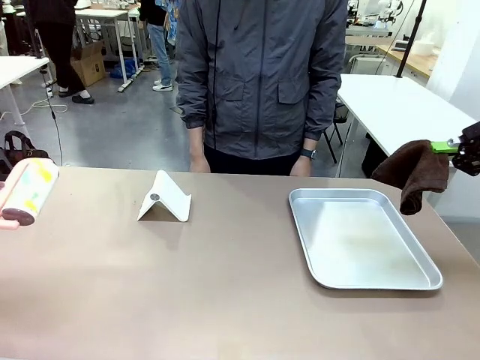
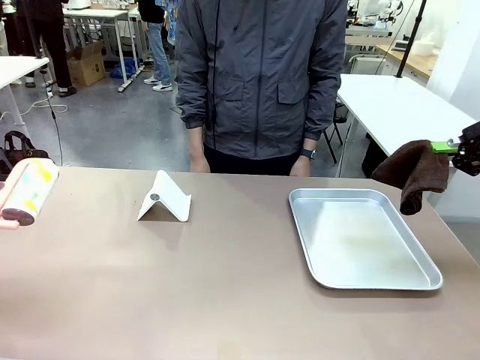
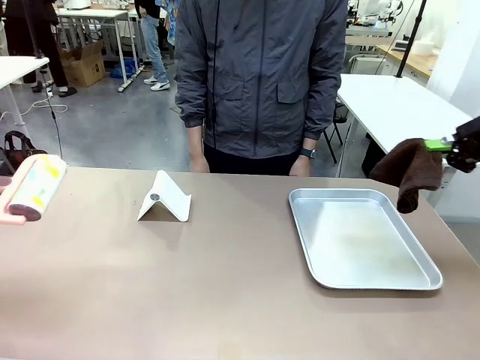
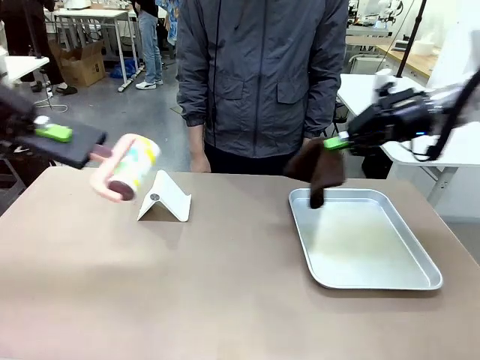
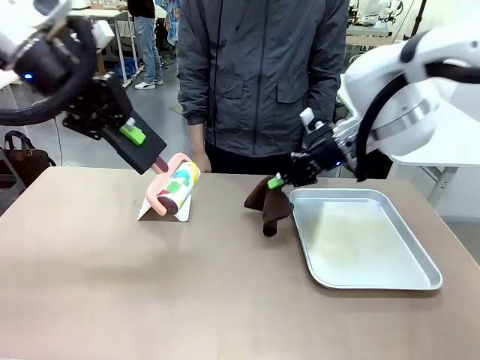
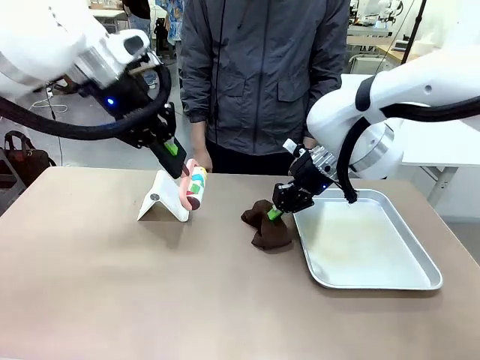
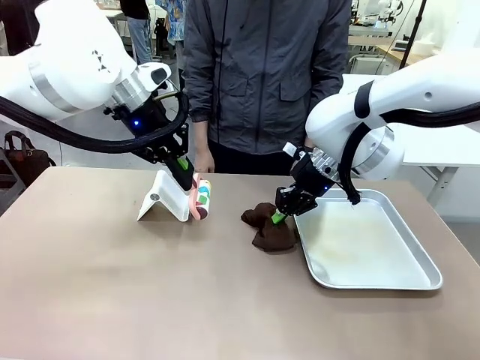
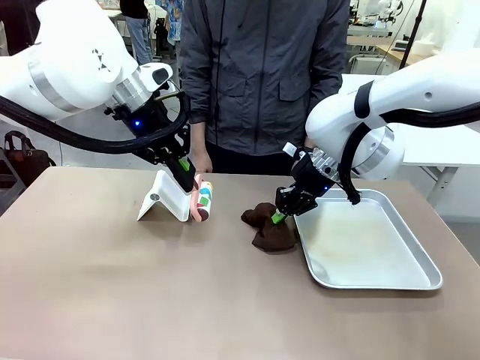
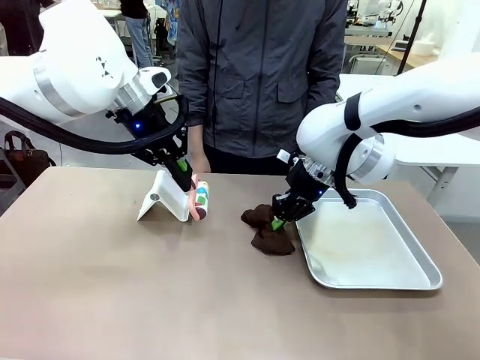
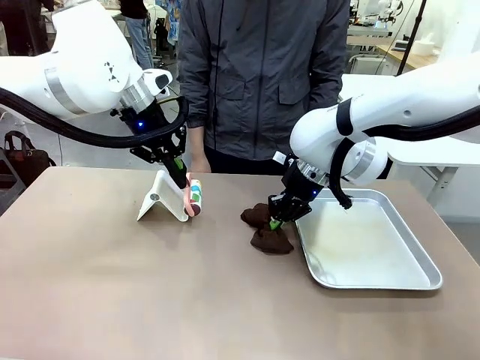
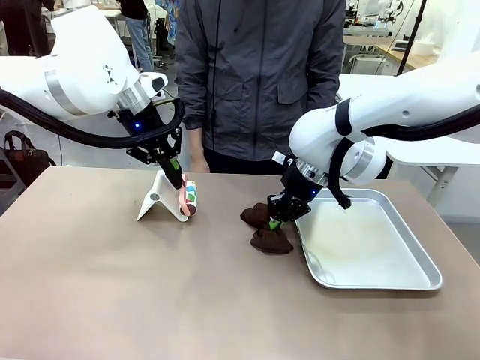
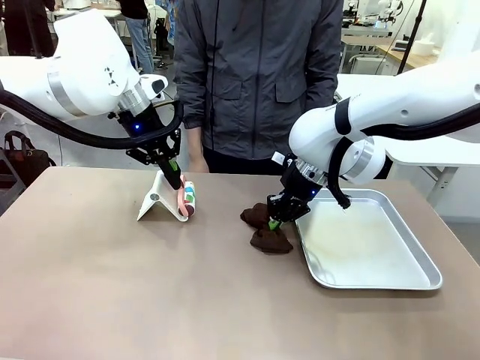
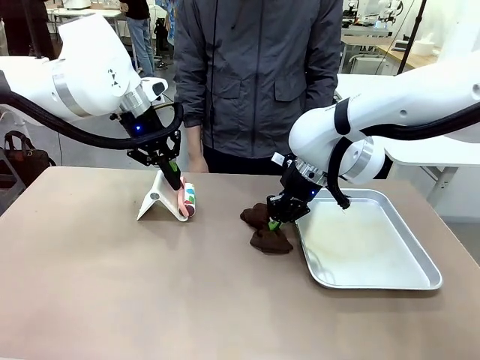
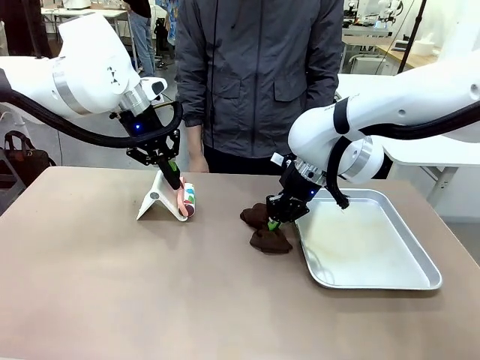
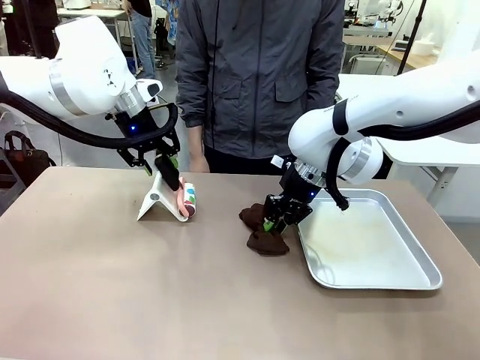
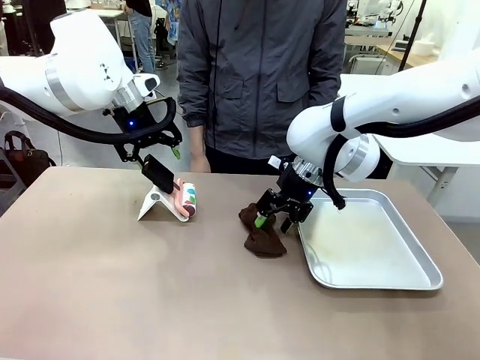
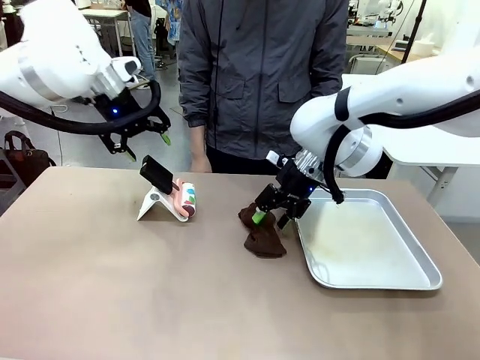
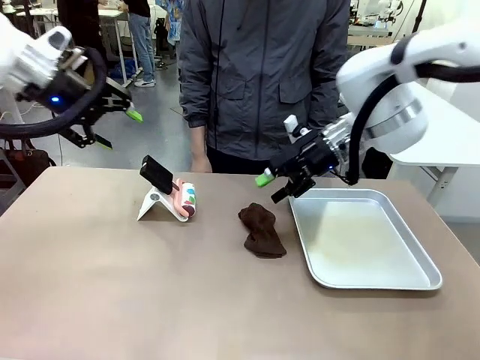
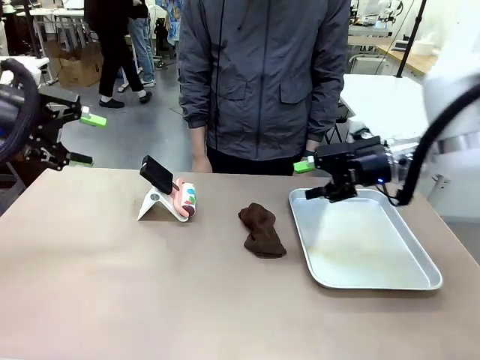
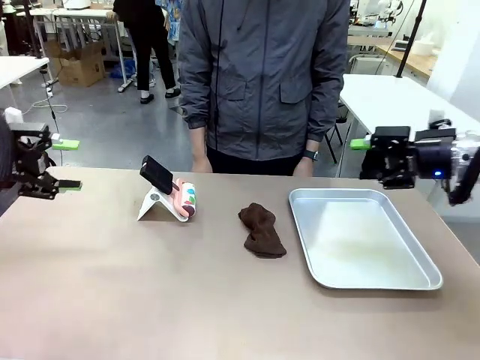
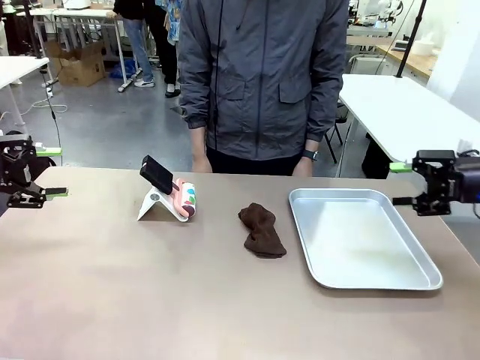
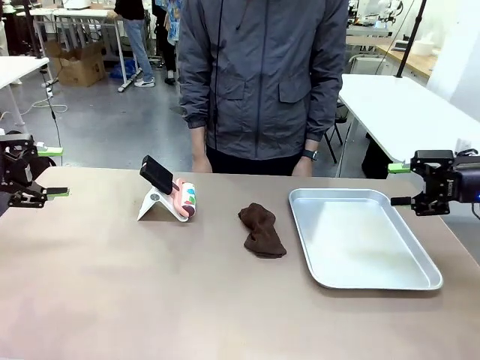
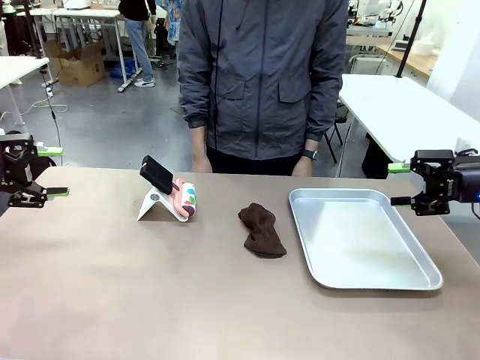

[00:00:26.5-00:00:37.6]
Task: Clean the surface of the table.
Robot: Return the Lint Roller and towel to their original positions.

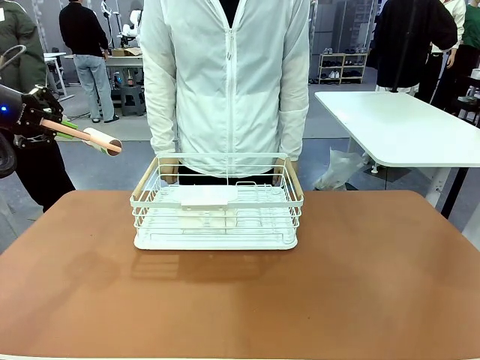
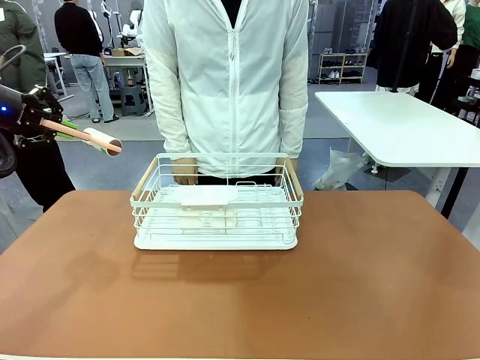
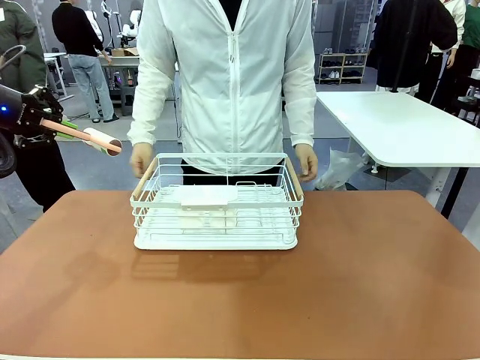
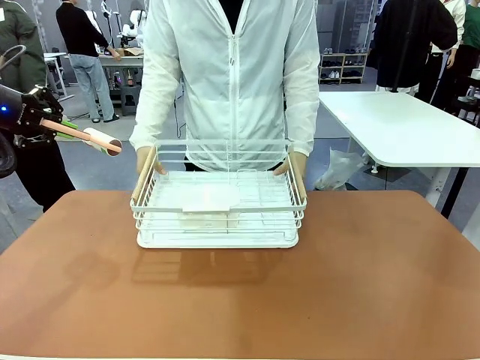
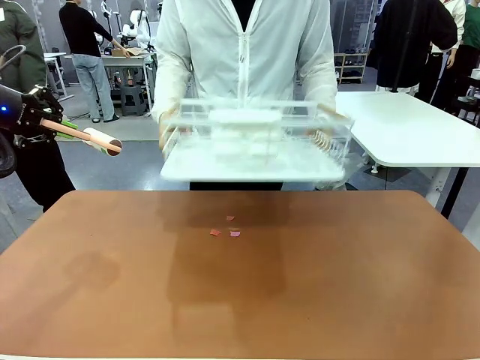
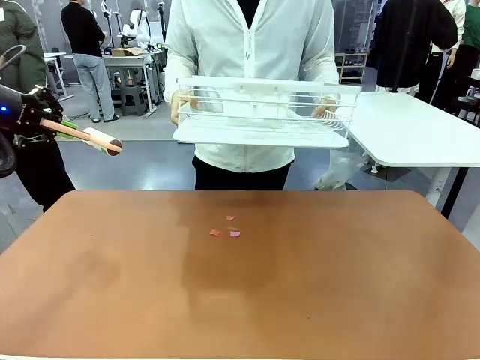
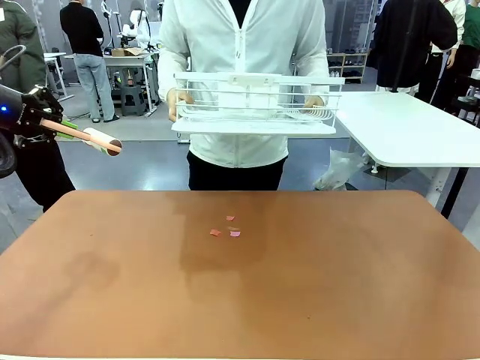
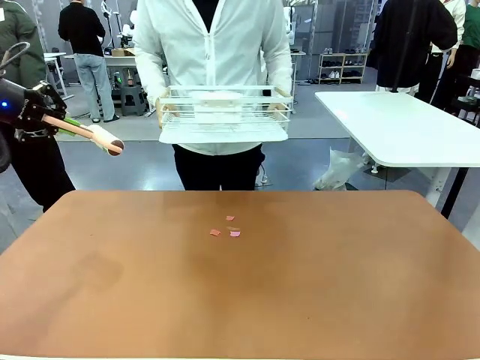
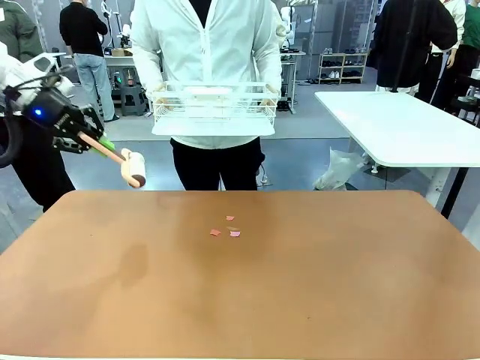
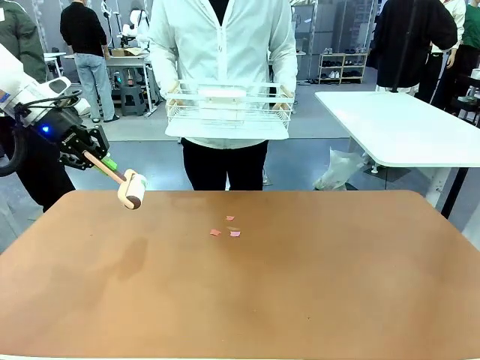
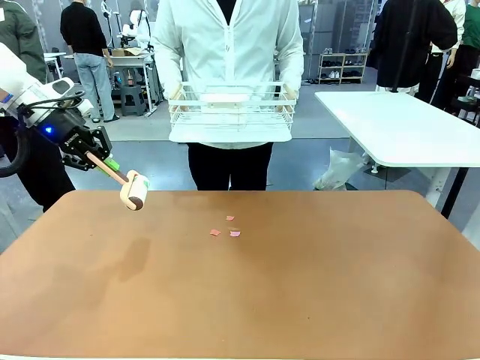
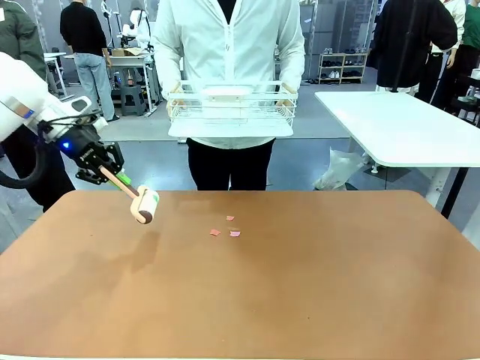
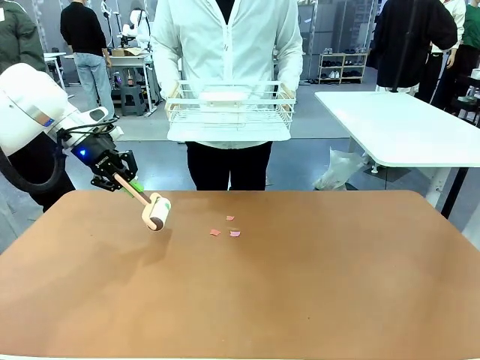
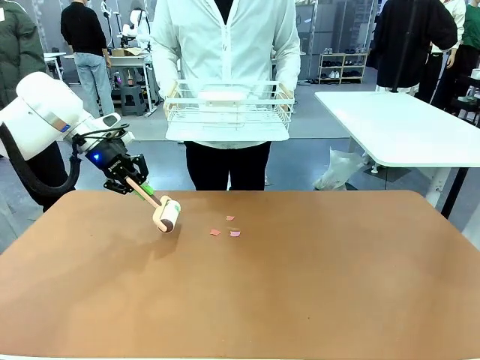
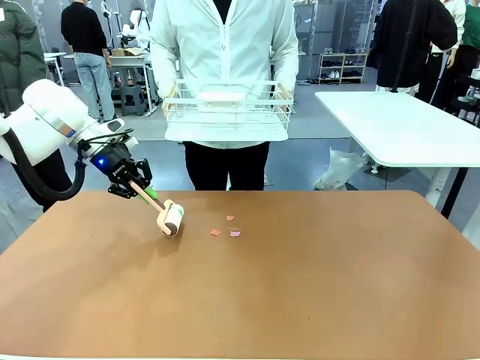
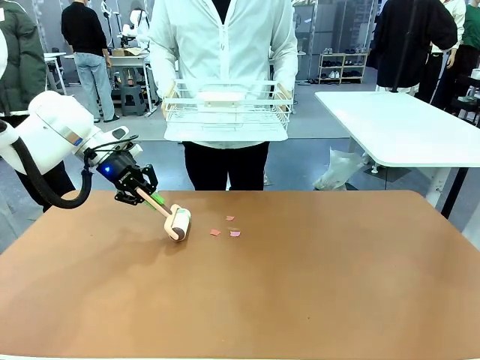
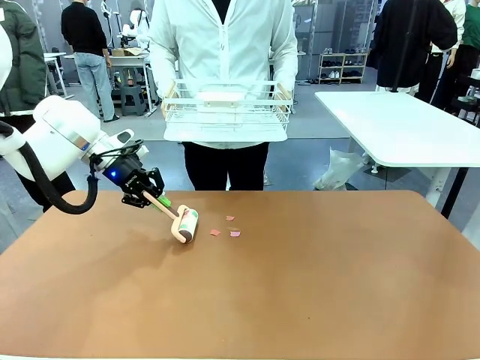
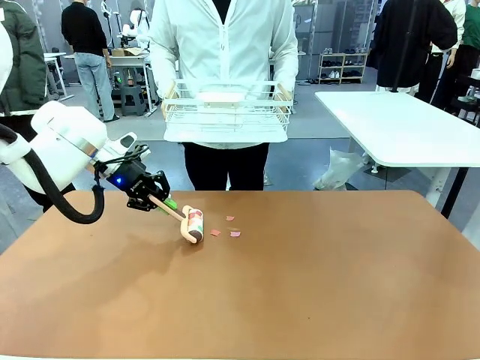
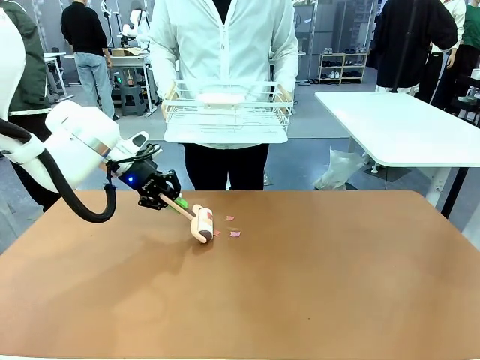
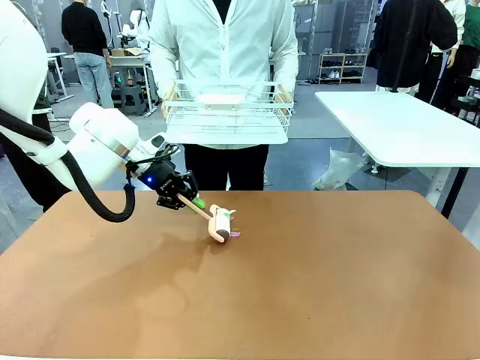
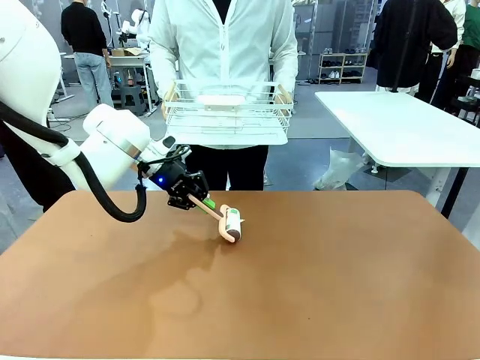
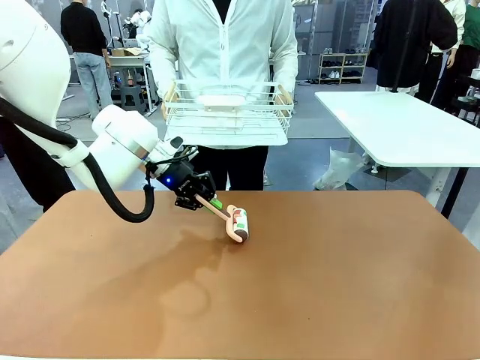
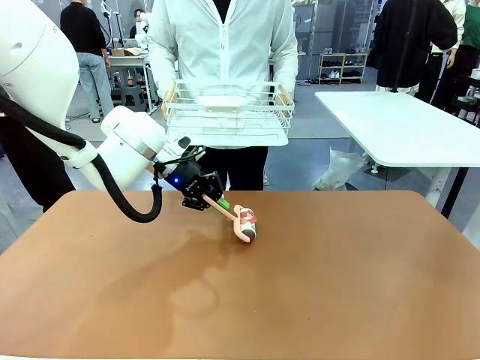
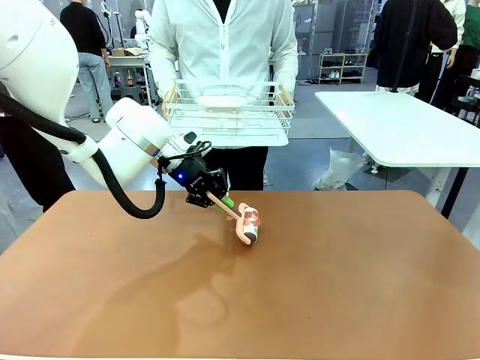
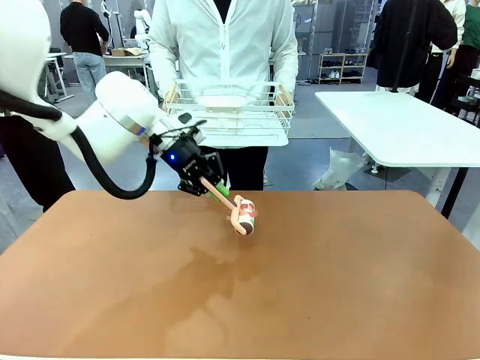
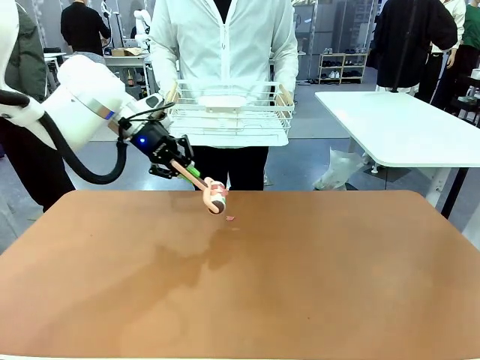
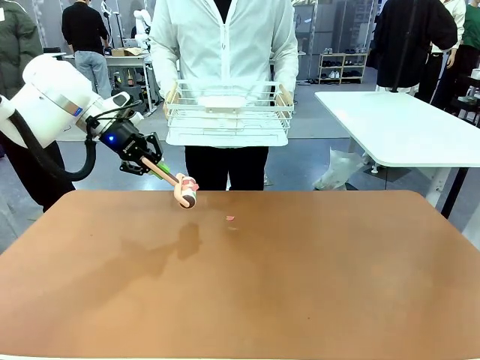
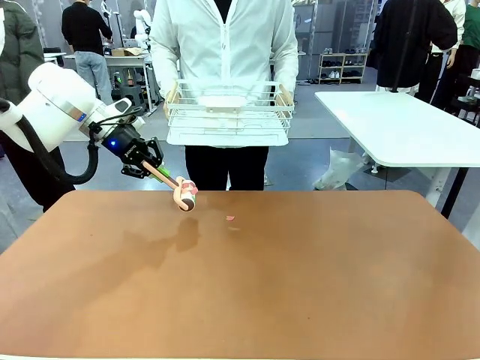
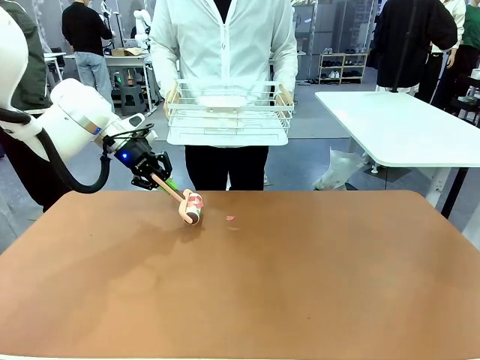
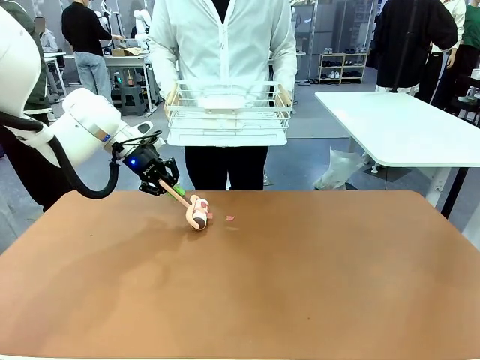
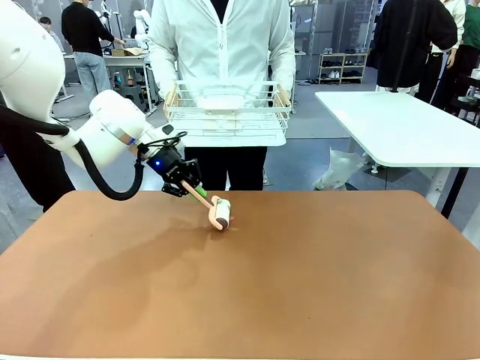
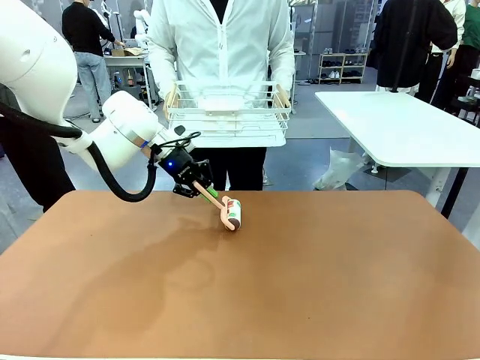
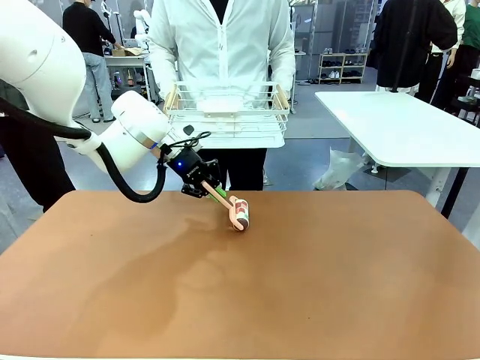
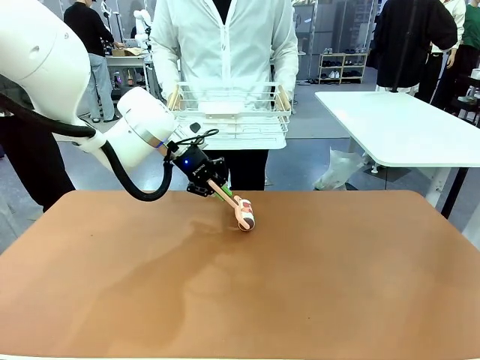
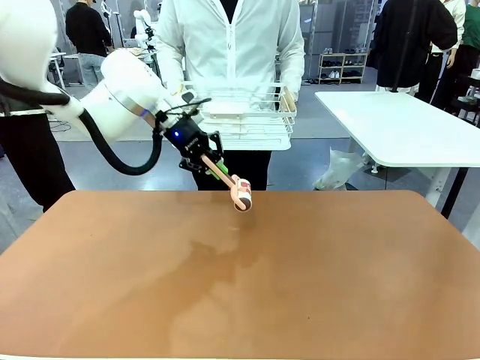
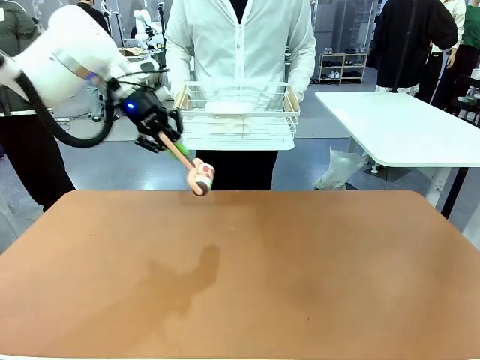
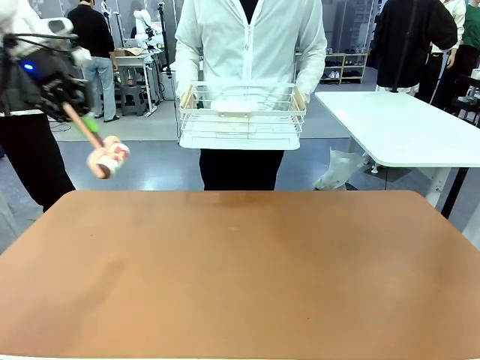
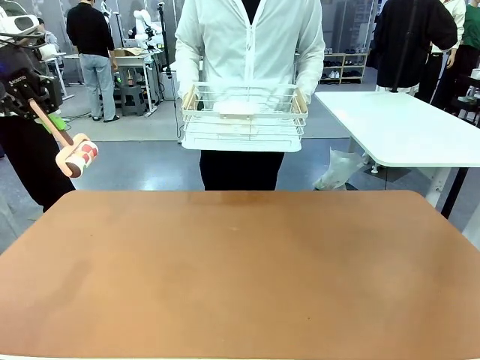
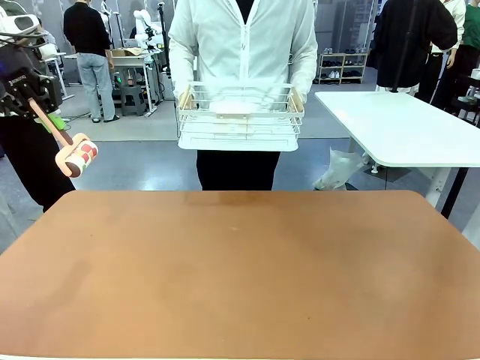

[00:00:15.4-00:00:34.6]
Task: Clean the table.
Robot: Clean the table with the Lint Roller when the human lifts the Dish drying rack.
Person: Place the Dish drying rack down when the robot finishes cleaning.
